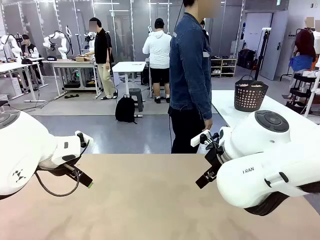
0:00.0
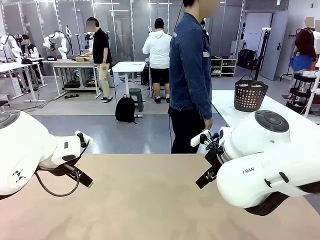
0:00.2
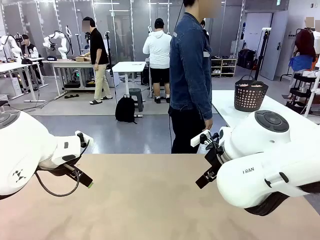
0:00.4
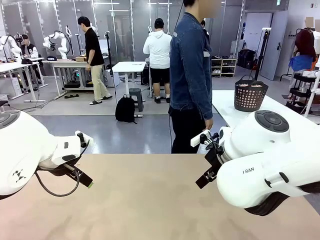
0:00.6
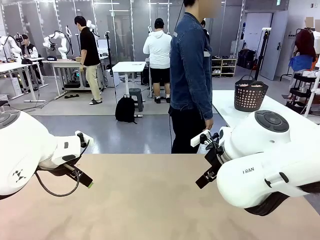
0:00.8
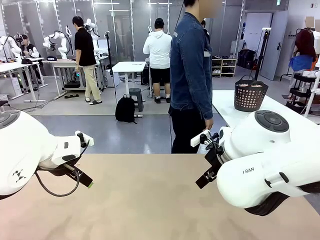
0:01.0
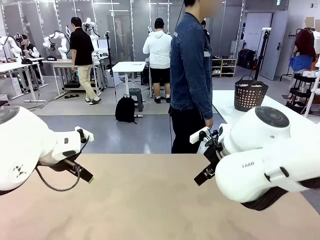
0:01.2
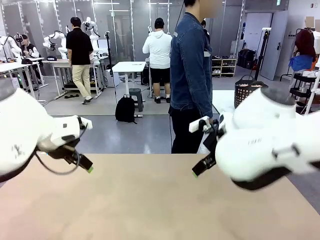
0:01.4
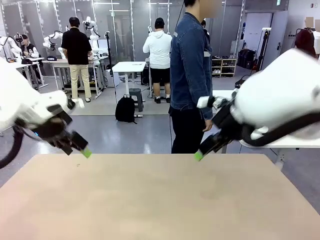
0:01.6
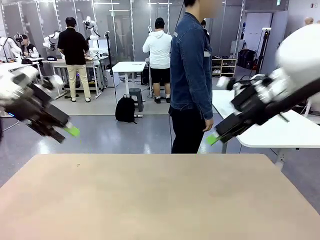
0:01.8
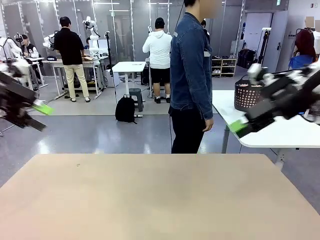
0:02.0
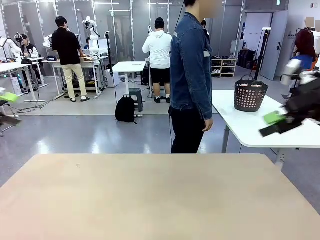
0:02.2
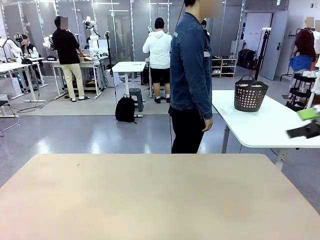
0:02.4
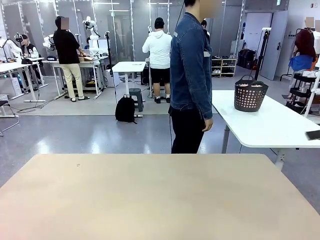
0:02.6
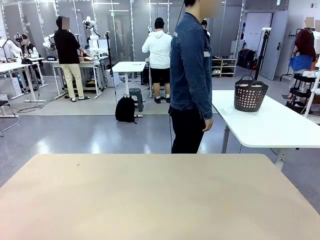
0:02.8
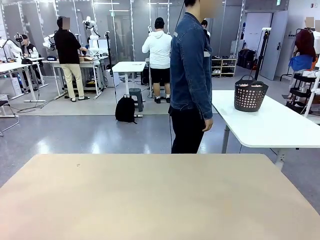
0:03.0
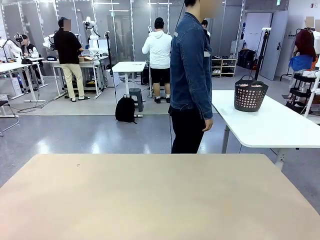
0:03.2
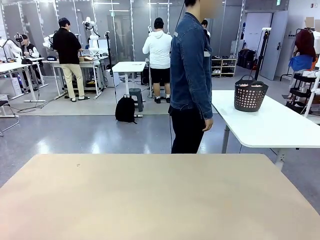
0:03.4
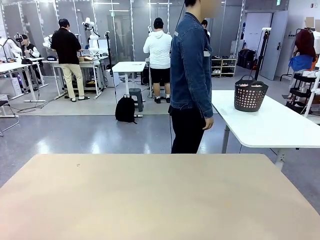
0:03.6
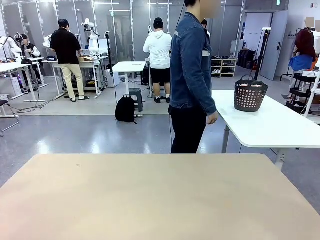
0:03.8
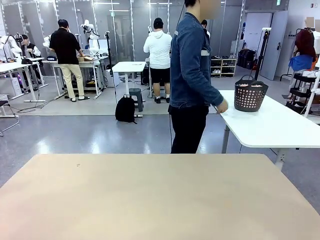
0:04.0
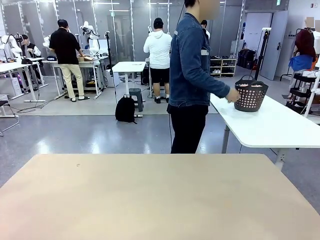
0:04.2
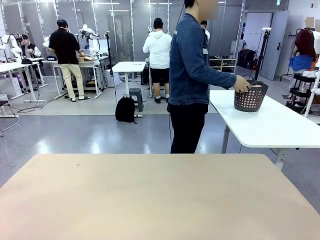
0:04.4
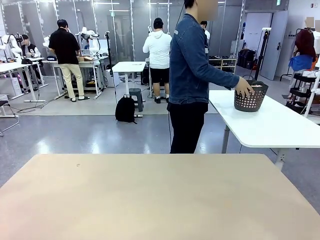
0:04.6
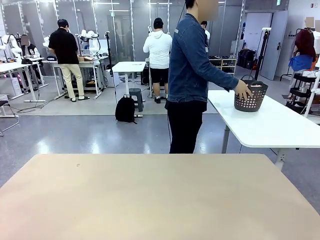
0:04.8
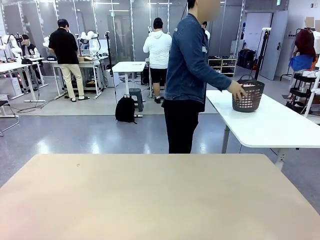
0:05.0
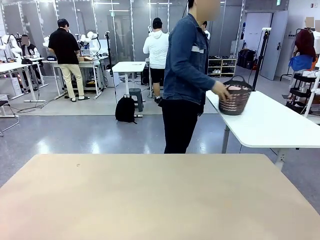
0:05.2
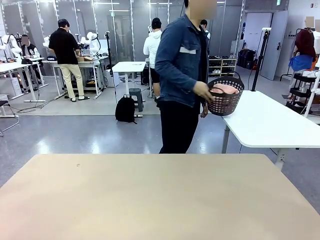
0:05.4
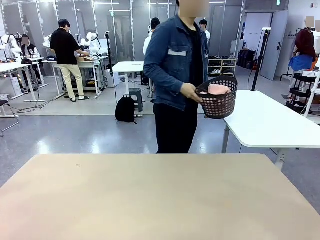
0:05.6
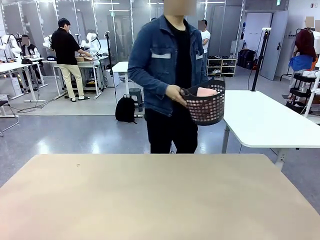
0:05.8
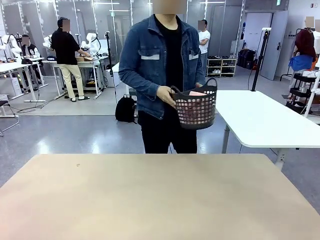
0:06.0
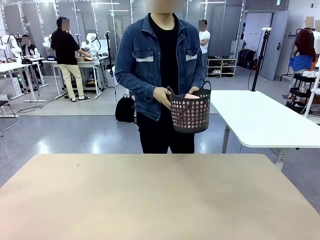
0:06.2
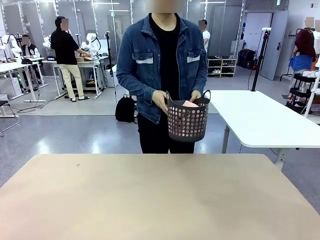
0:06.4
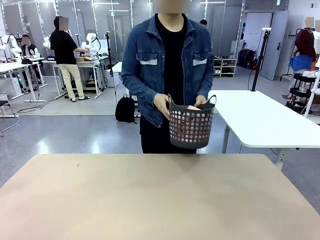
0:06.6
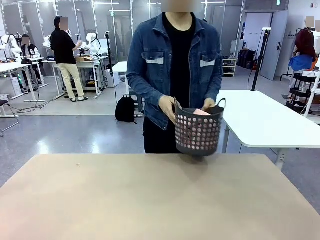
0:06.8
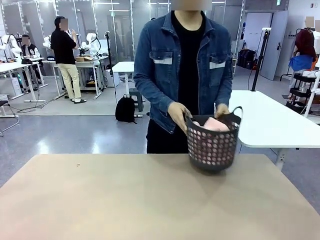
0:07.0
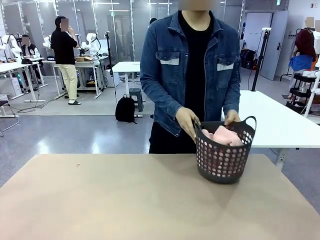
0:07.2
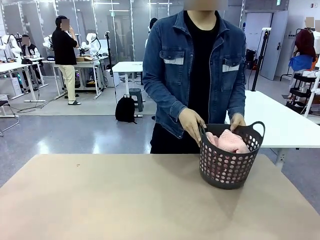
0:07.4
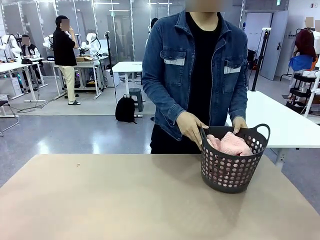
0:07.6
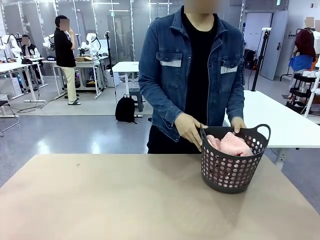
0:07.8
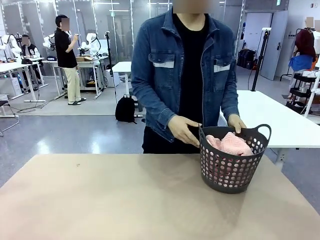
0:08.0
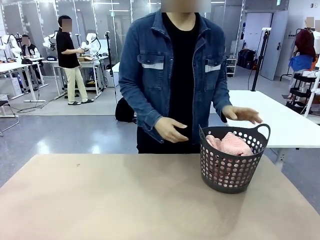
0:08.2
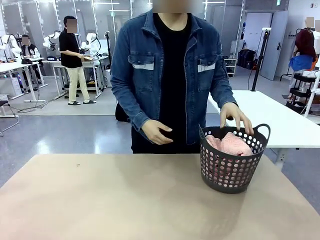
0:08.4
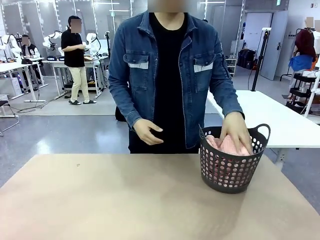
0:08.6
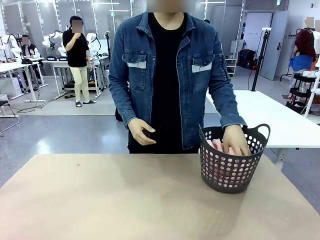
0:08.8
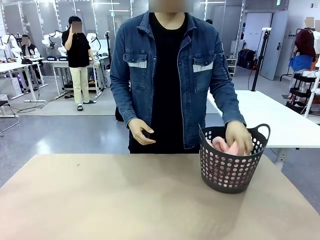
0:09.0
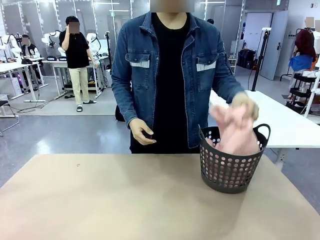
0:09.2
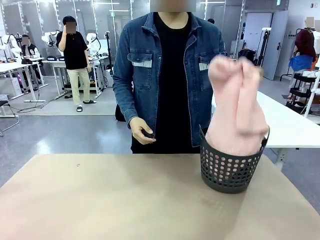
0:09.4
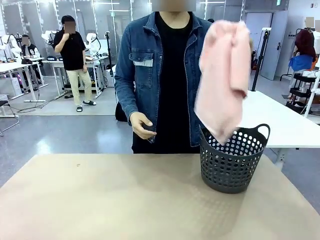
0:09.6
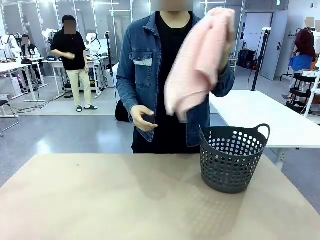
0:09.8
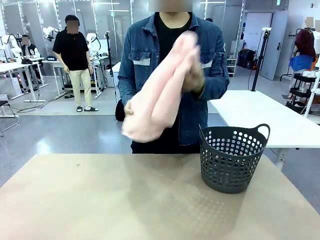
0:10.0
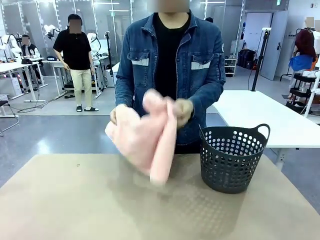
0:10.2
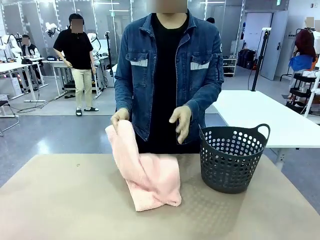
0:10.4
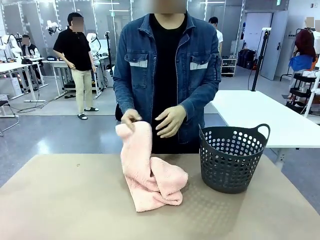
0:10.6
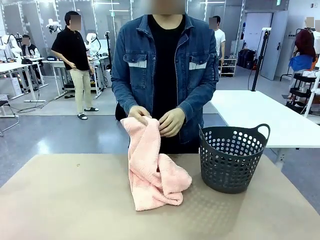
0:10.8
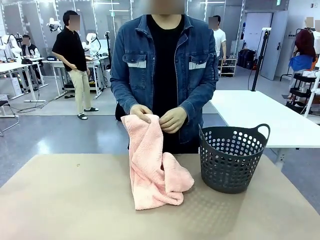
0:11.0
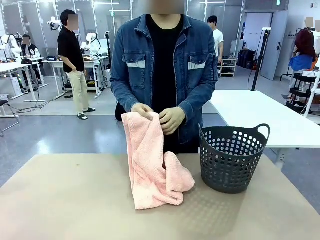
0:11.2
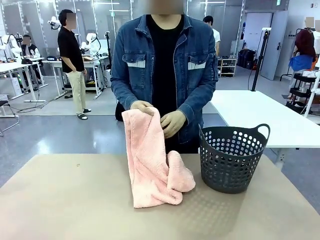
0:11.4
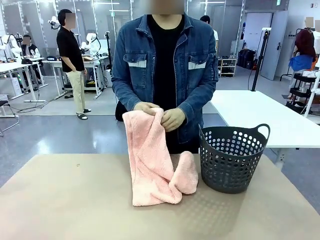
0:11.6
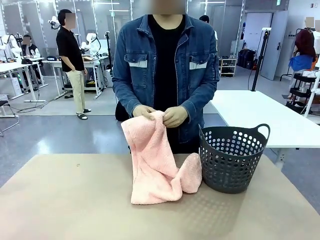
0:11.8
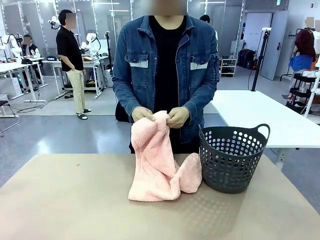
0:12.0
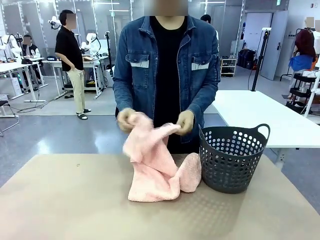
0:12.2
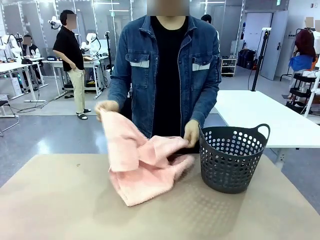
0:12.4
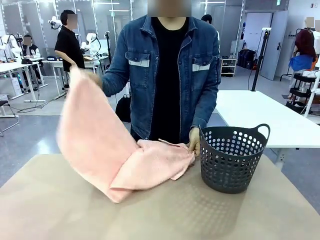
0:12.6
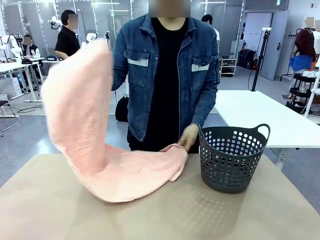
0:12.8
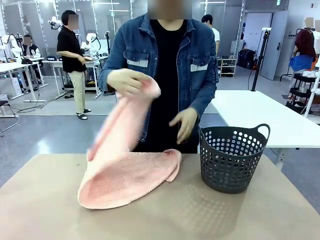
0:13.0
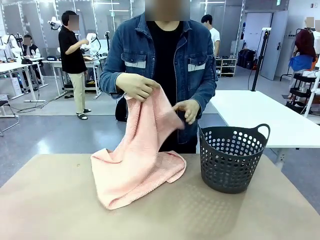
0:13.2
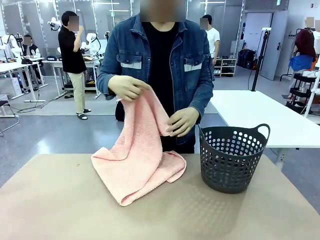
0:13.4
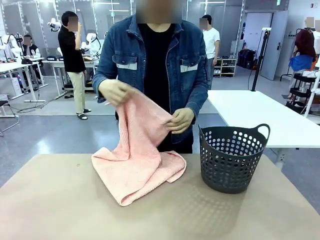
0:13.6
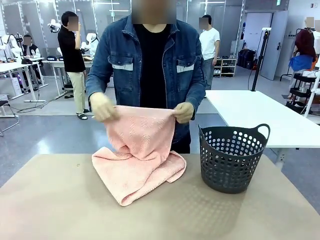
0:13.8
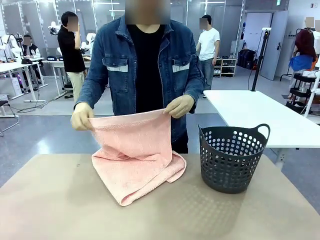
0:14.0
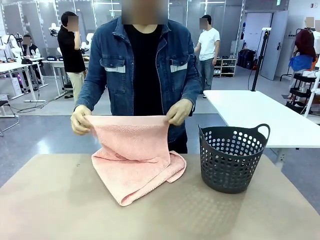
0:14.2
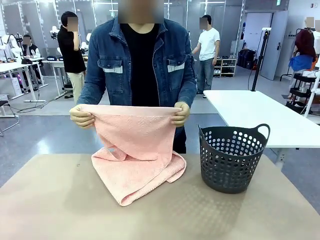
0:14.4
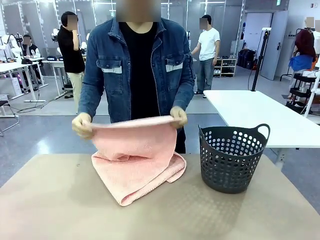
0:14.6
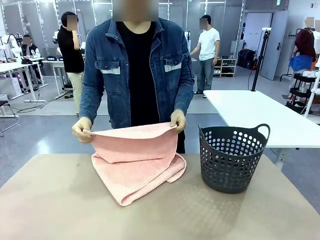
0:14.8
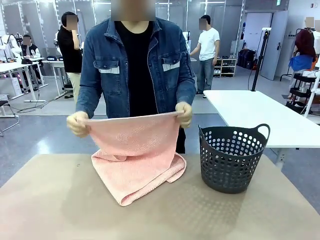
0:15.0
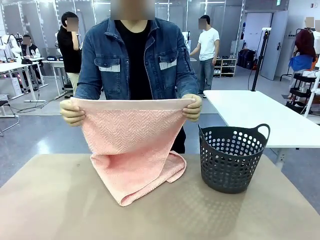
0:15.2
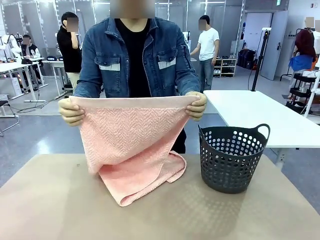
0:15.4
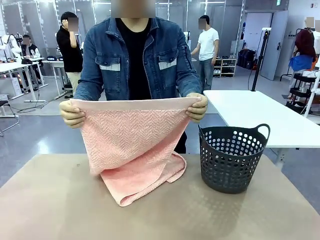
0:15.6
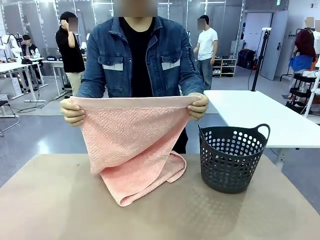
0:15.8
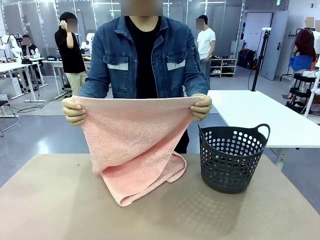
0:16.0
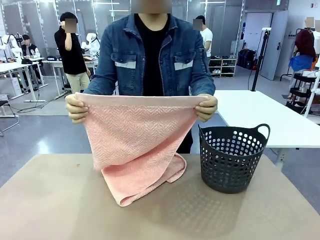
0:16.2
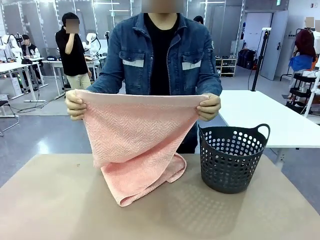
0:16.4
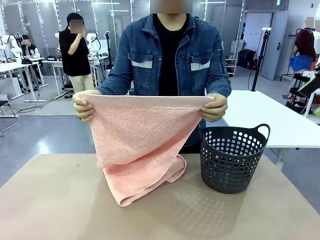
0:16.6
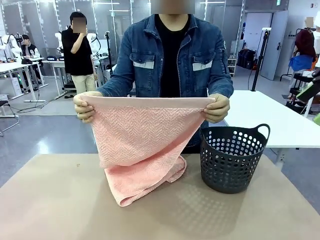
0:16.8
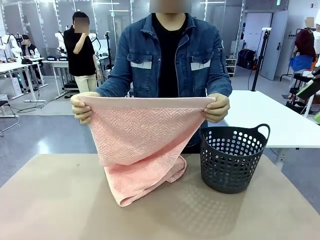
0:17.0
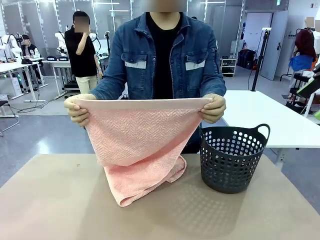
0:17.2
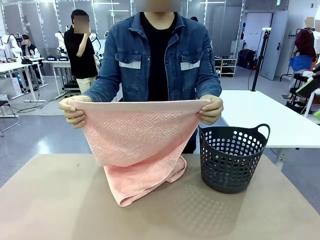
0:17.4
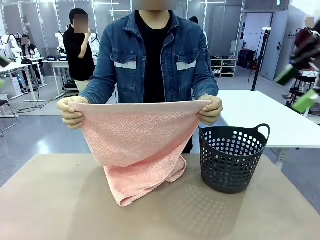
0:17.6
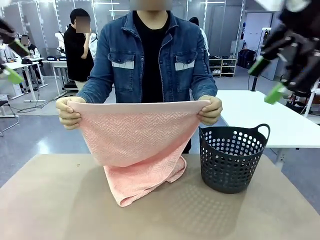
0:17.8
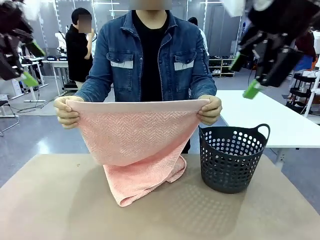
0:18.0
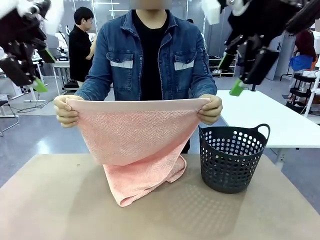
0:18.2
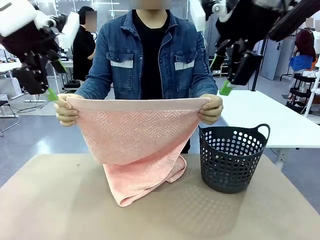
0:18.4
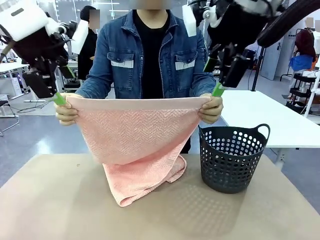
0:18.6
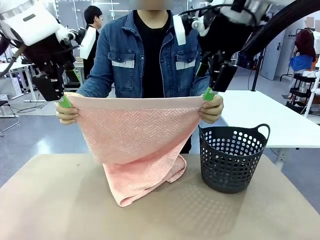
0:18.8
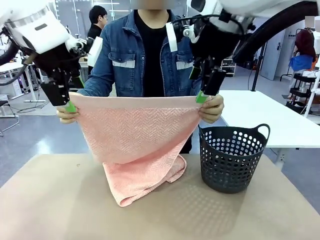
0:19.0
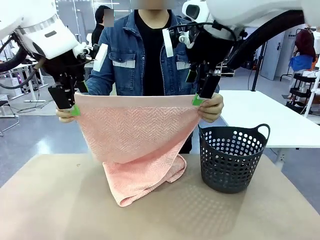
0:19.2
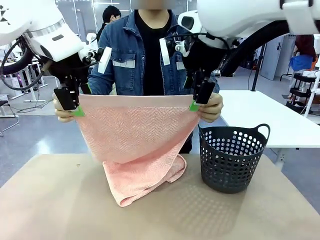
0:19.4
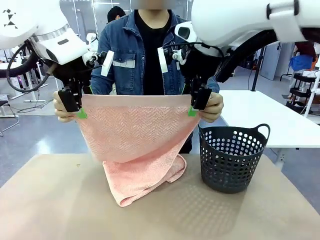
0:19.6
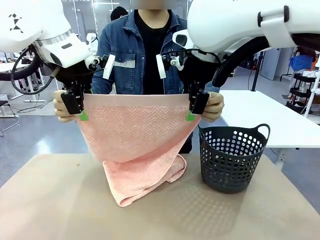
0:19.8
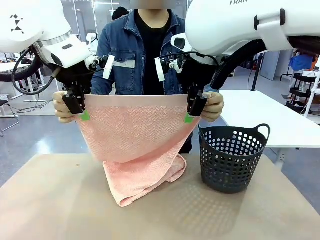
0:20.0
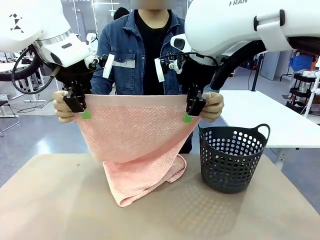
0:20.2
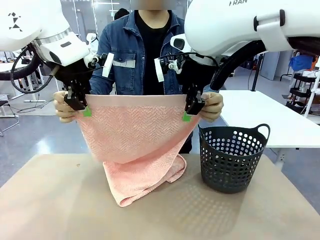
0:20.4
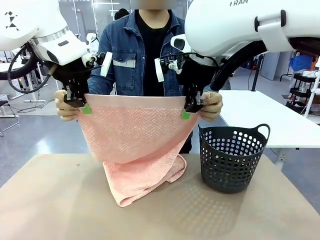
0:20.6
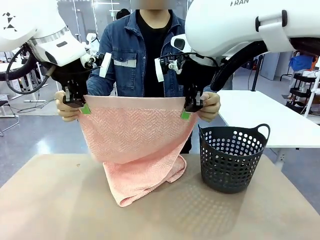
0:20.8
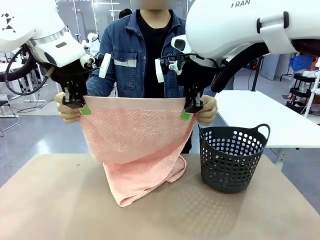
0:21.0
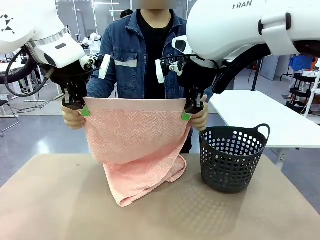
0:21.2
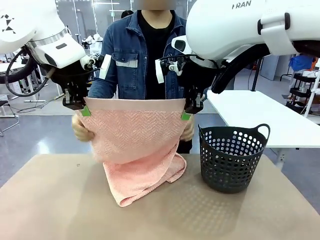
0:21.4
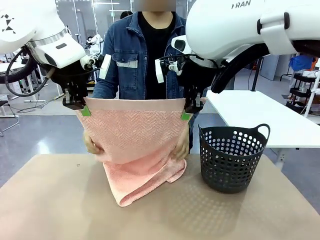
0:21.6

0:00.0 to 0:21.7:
Task: Fold the towel.
Robot: Grab the top end of the 100 cm Hotel Towel extended by the human.
Person: Pick up the laundry basket, place it on the left side of the robot table, then take out a towel and hand it to the robot while holding both corners of one end.
